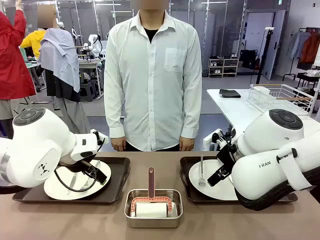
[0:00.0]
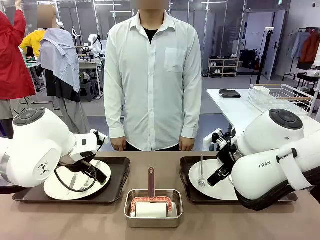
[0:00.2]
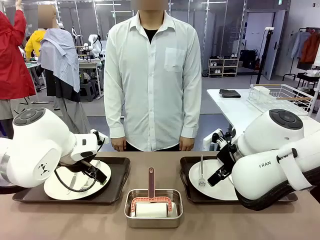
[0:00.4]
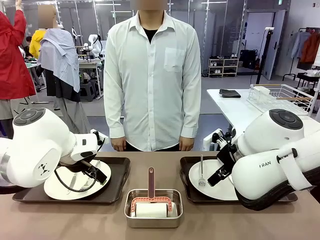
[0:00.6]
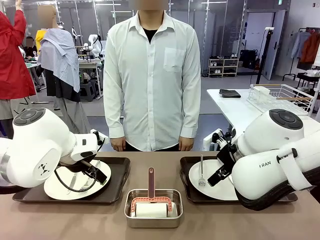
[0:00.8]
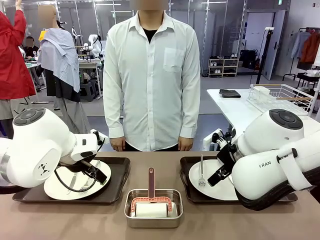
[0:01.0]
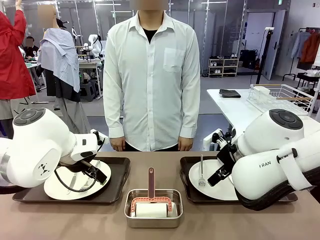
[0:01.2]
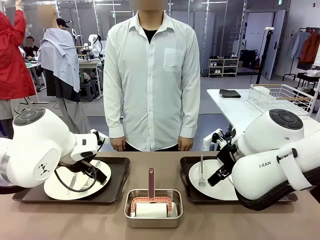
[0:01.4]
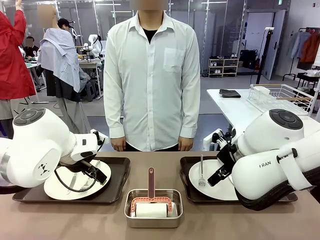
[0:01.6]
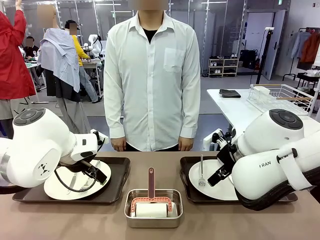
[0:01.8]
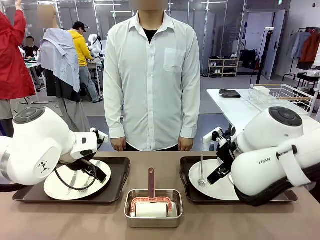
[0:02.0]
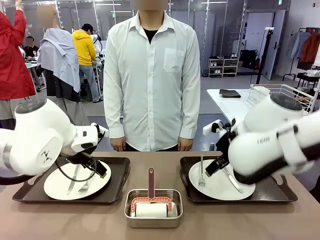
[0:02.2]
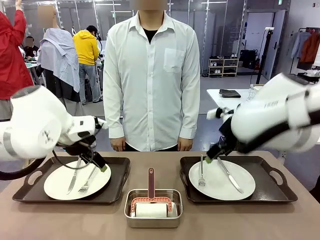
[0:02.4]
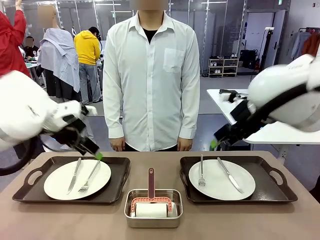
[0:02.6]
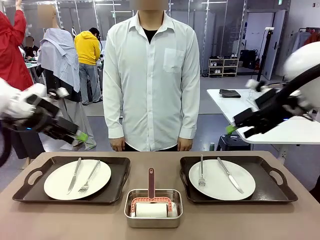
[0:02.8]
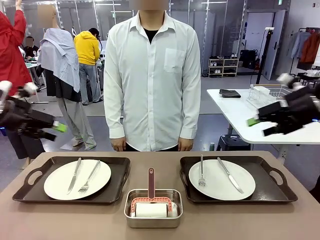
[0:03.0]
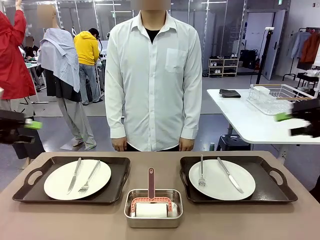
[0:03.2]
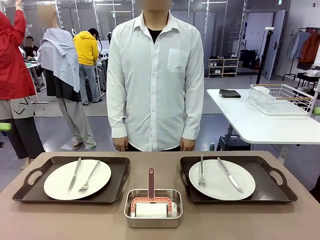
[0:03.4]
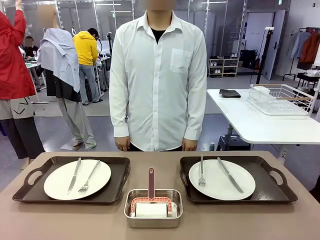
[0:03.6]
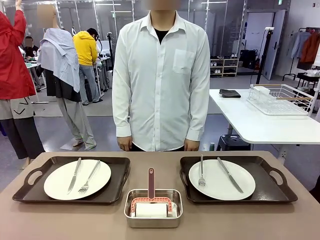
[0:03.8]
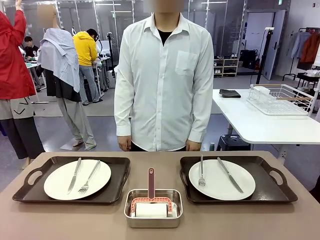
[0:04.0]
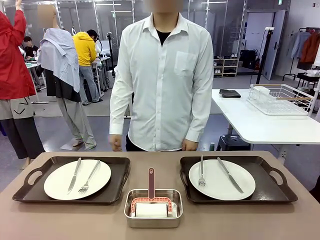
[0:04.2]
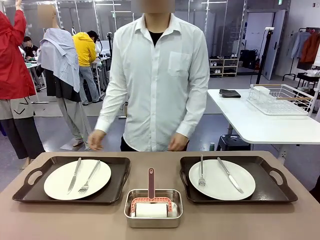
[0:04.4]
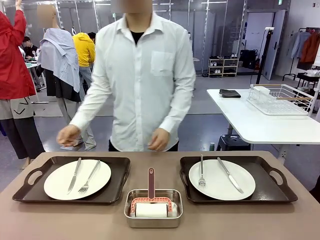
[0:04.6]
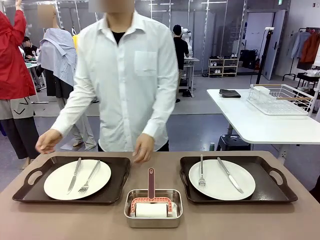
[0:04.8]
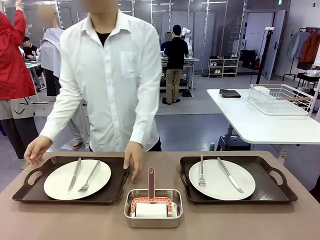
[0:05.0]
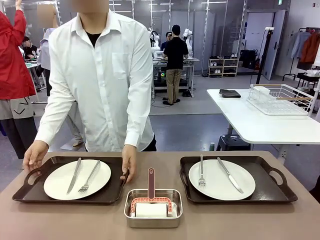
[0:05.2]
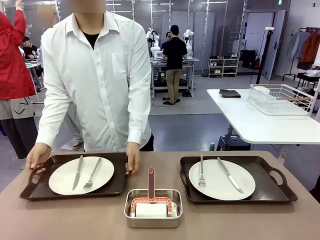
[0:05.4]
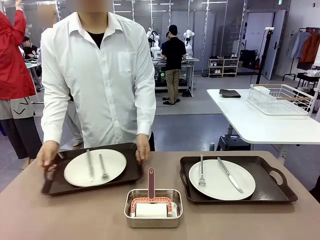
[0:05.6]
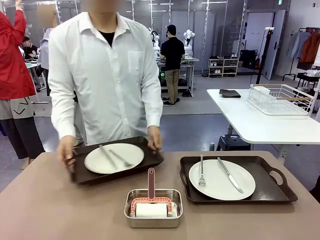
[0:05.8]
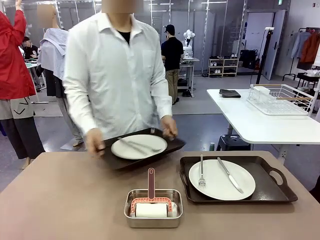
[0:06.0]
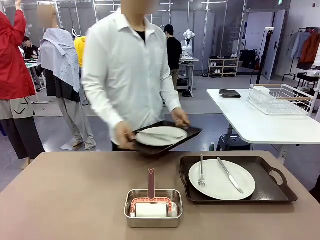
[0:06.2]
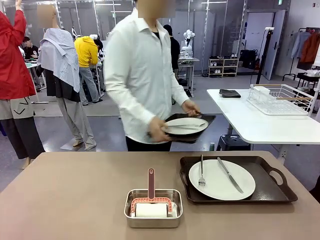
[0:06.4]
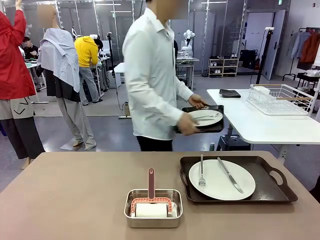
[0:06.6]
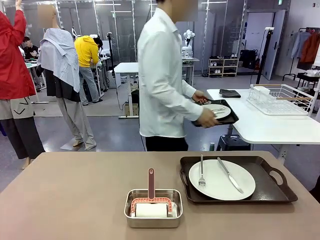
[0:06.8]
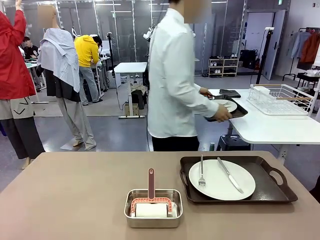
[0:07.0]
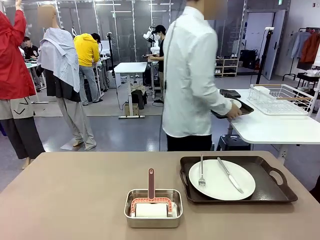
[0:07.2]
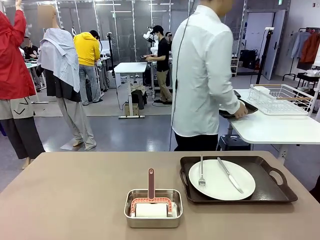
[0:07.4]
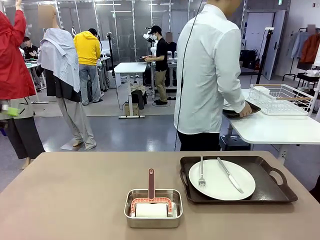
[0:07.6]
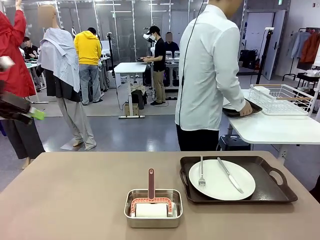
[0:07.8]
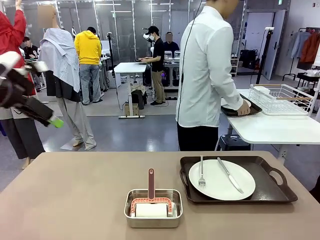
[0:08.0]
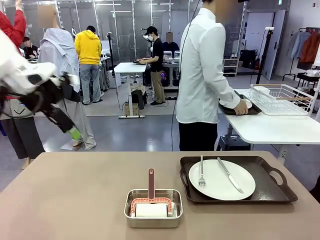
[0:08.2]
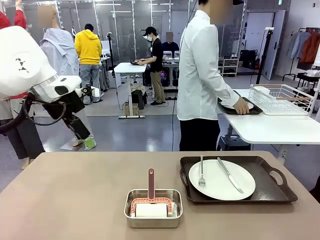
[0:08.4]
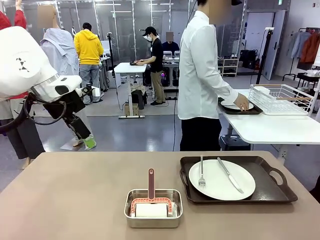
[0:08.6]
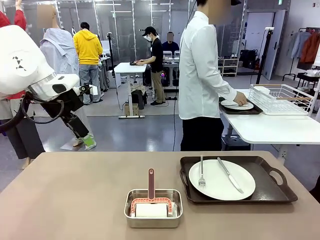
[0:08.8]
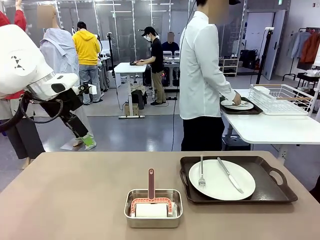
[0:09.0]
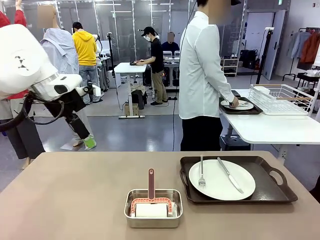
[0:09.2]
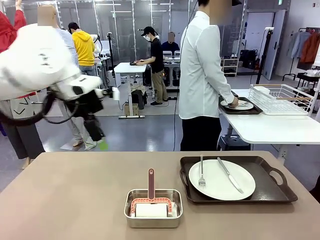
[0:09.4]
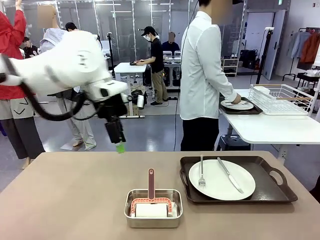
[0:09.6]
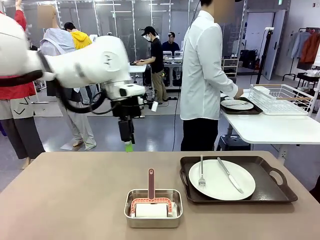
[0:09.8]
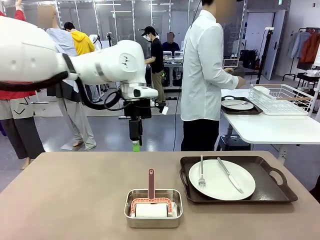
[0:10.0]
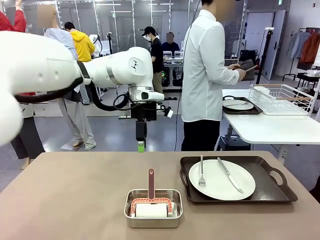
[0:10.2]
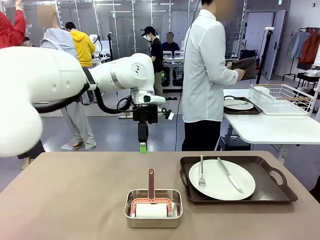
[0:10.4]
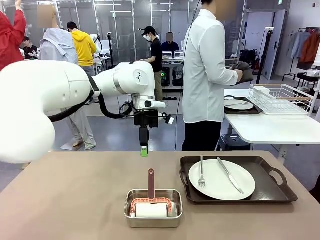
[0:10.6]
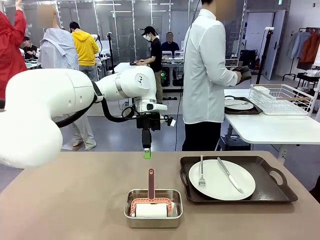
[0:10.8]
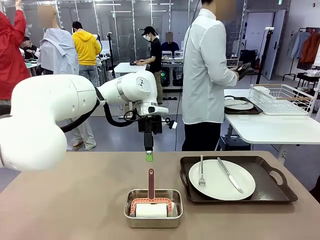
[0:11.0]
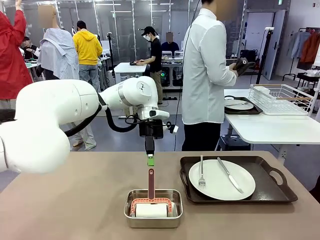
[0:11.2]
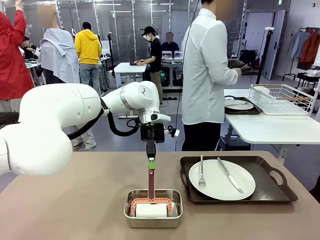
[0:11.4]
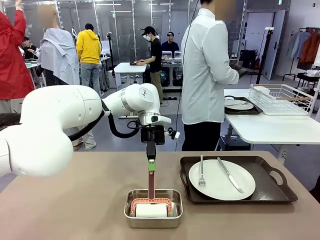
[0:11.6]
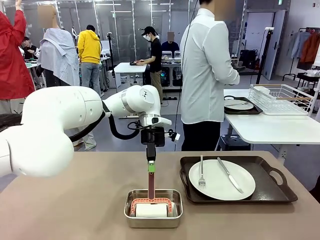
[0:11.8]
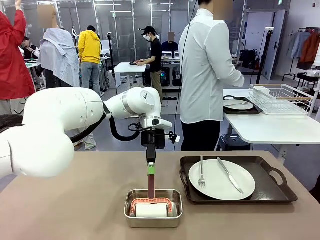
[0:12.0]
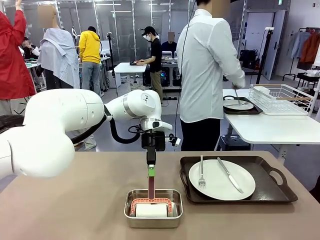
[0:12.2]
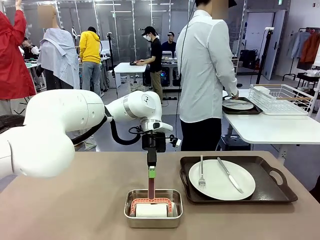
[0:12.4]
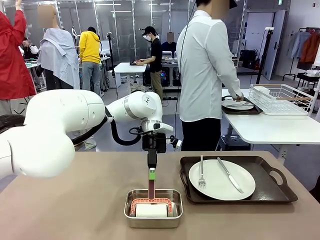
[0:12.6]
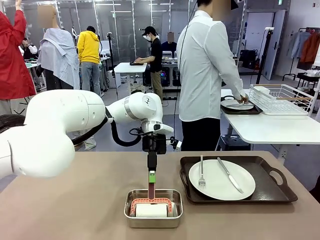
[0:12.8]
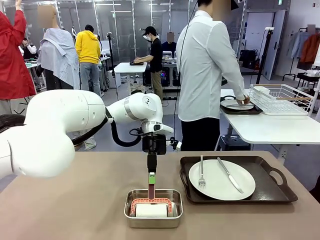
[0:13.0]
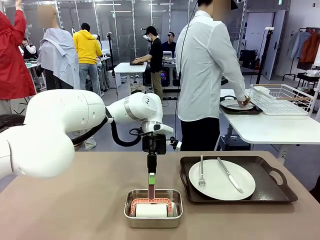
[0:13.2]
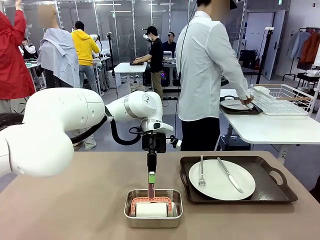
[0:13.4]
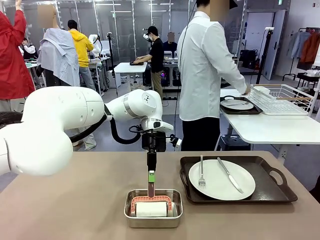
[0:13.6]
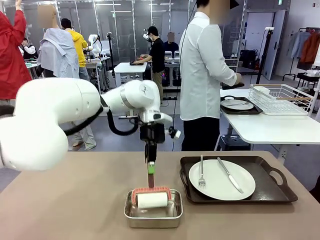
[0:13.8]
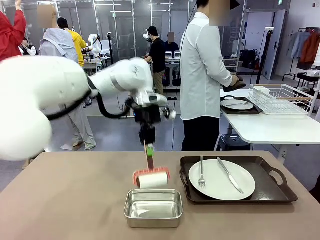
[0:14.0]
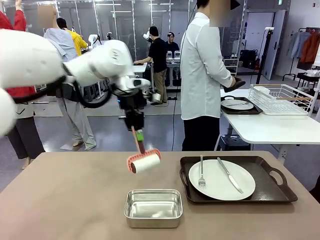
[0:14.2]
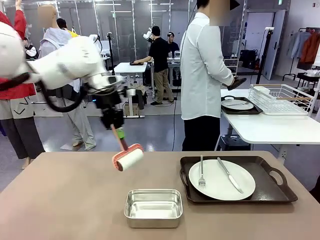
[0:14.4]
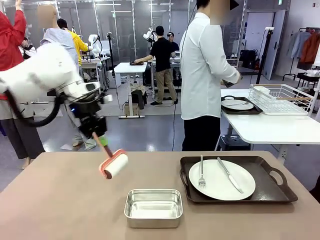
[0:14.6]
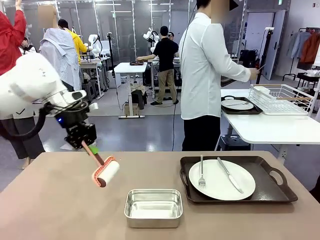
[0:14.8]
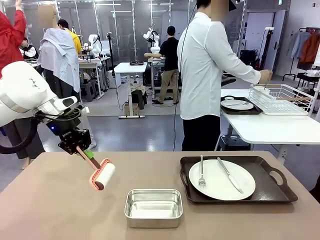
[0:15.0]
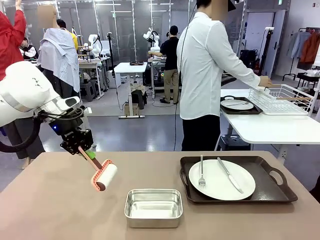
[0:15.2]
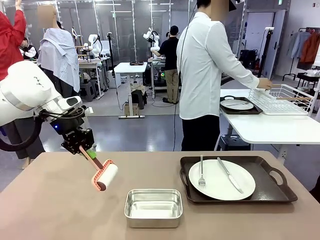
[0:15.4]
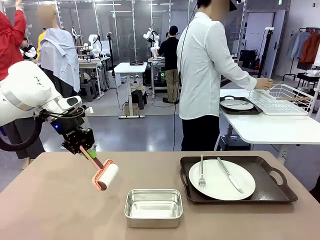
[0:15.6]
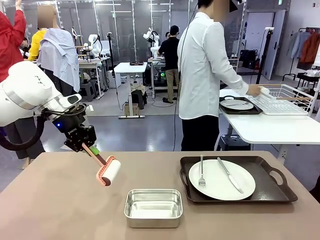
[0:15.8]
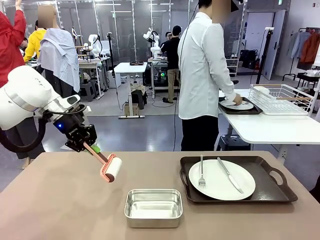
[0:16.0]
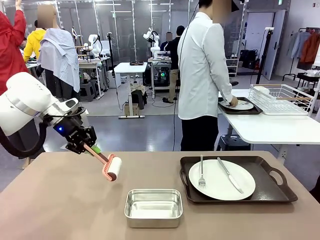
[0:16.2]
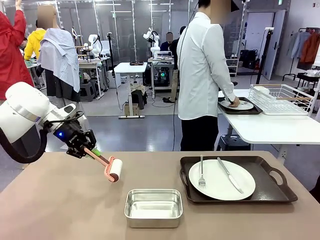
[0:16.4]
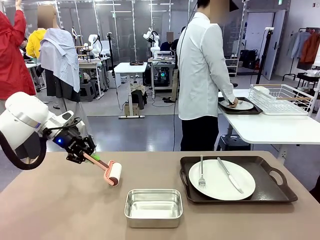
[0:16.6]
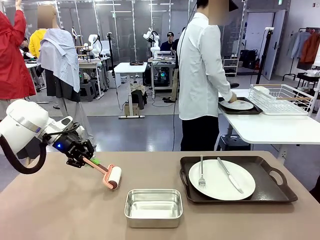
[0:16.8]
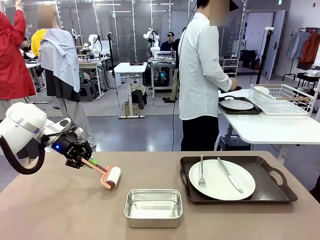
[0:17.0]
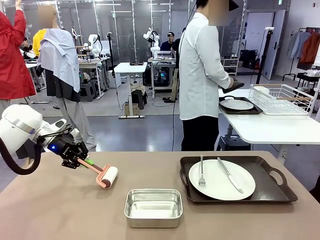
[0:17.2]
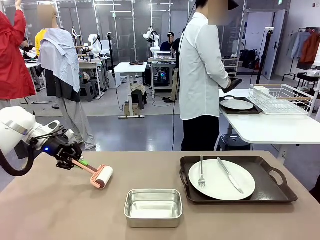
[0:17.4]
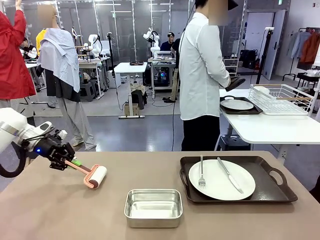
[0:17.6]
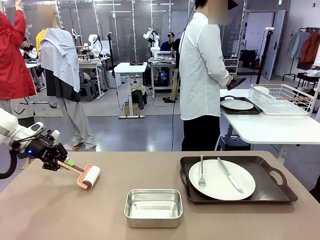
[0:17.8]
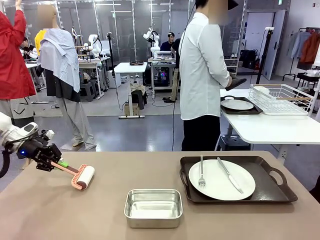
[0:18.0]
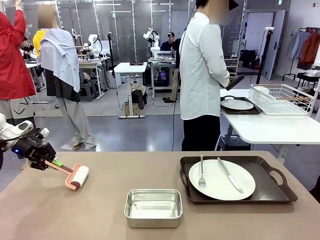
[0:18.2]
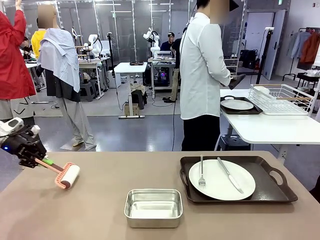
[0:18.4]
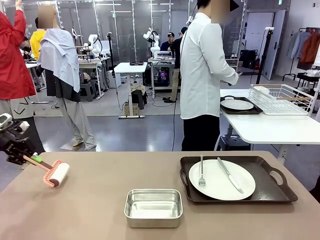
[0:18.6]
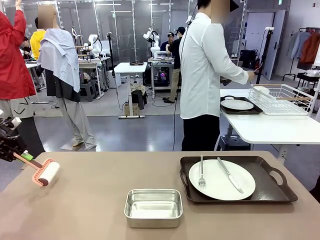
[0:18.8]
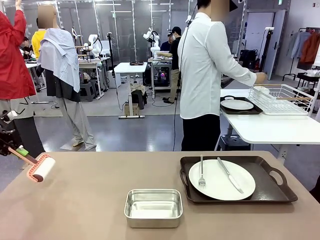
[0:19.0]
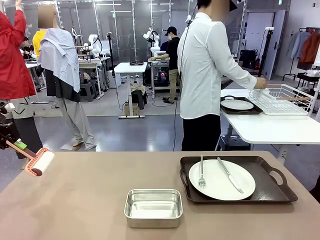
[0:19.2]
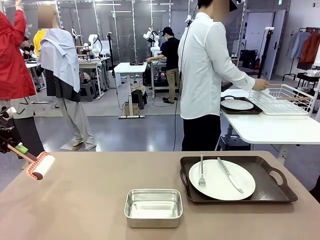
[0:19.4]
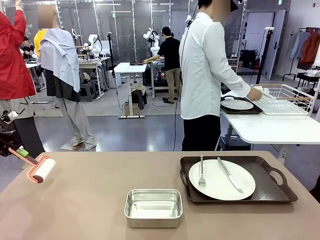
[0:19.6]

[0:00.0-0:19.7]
Robot: When the left (or right) Handle tray is removed, use the left hand (or right hand) to clean the left (or right) side of the table with the Lint Roller.
Person: Pick up the left (or right) Handle tray and place it on the middle of the Human's table. Use the Towel with hook to wipe the Plastic Matte Plate , Fork , and Knife and place into the Dish drying rack.
